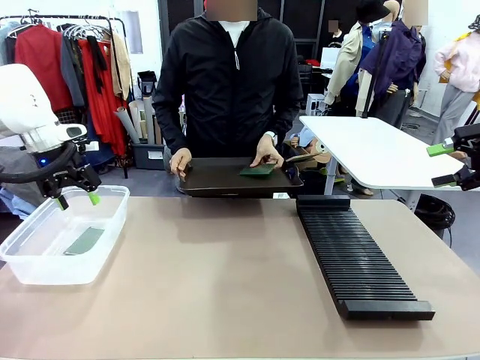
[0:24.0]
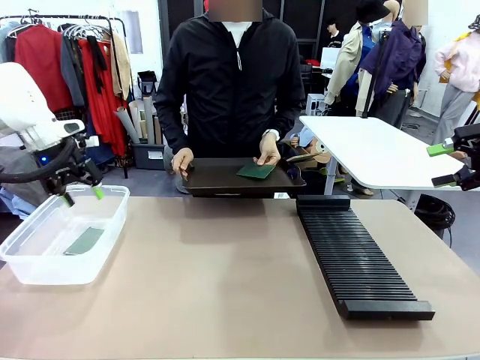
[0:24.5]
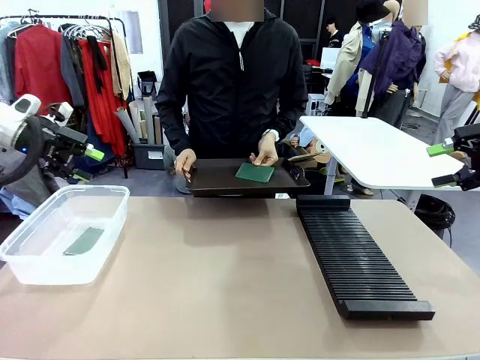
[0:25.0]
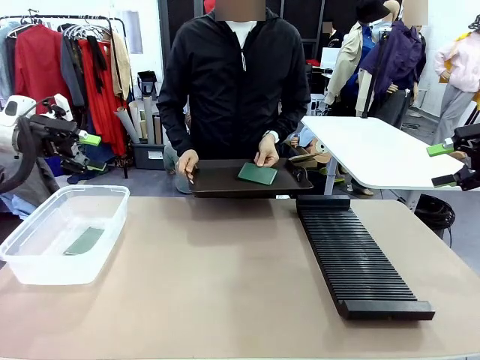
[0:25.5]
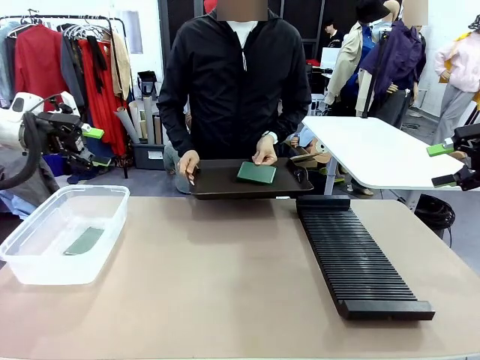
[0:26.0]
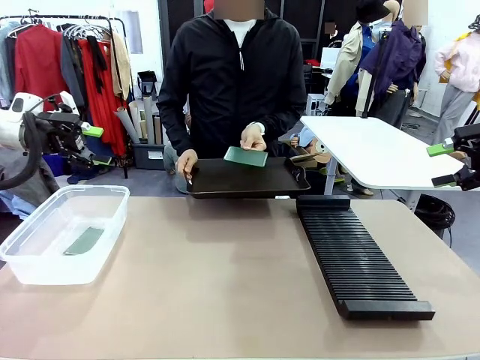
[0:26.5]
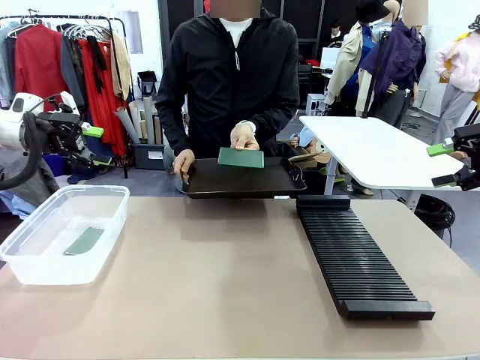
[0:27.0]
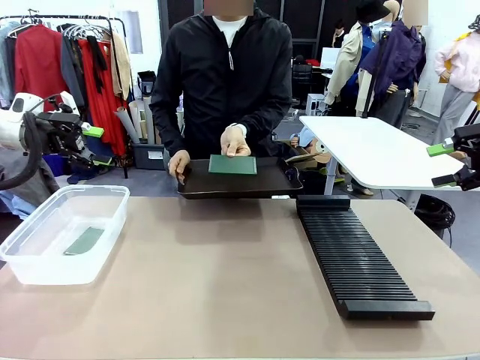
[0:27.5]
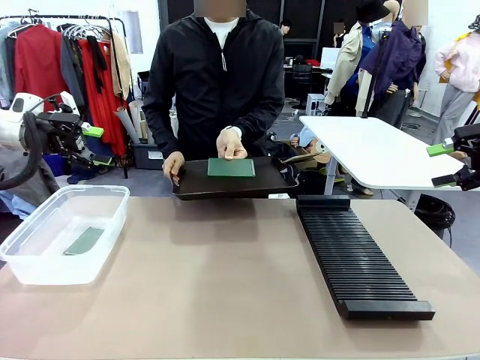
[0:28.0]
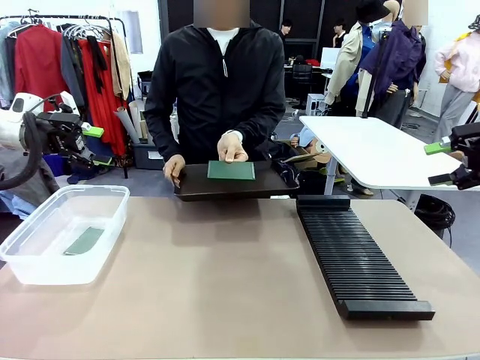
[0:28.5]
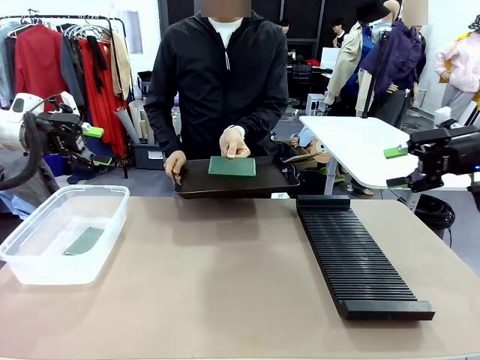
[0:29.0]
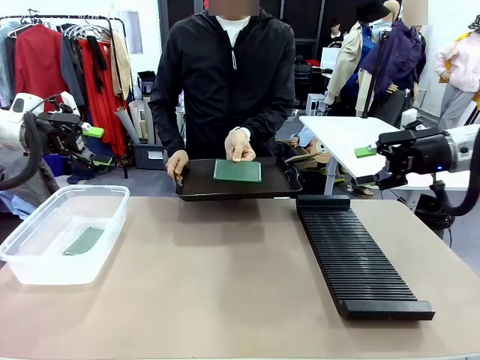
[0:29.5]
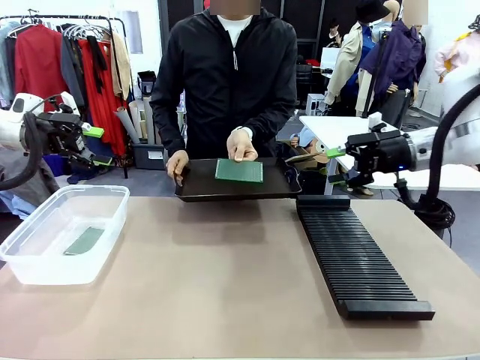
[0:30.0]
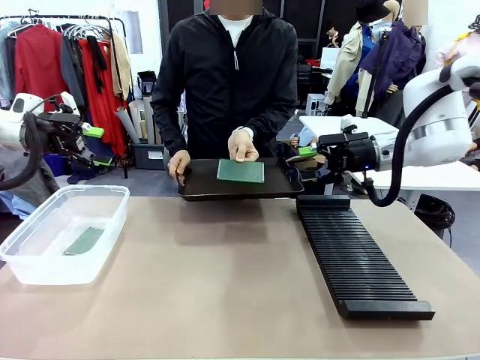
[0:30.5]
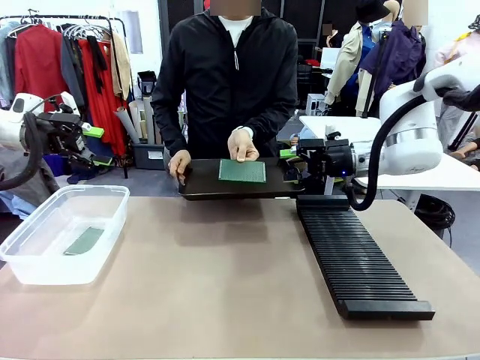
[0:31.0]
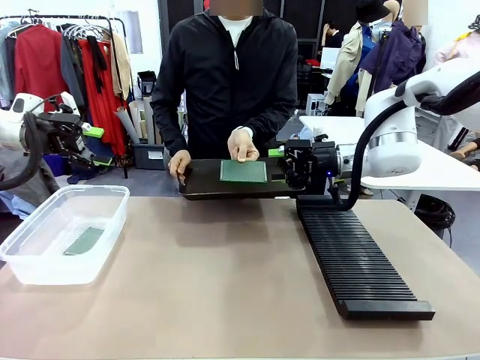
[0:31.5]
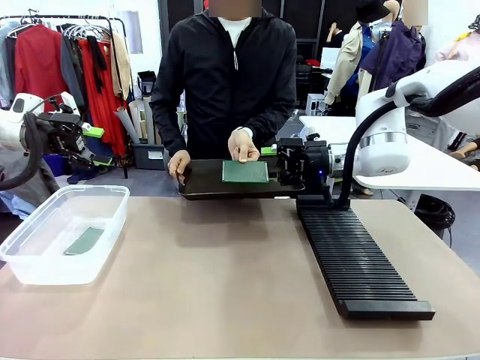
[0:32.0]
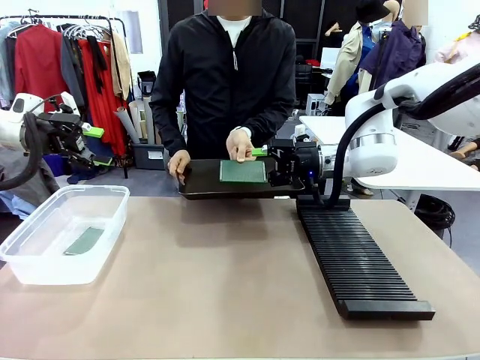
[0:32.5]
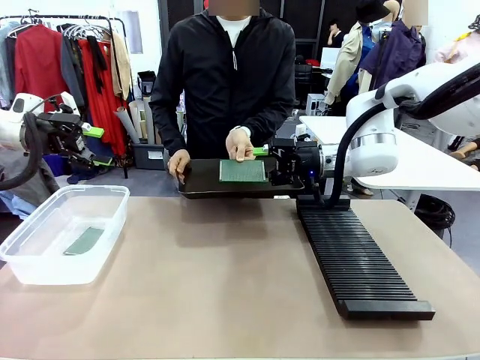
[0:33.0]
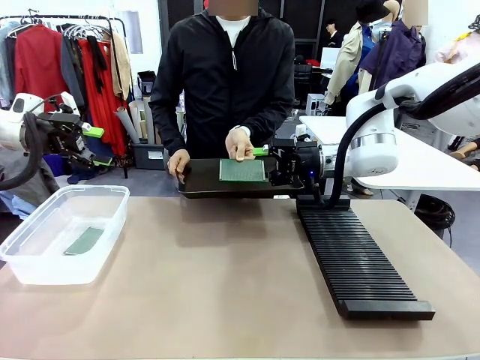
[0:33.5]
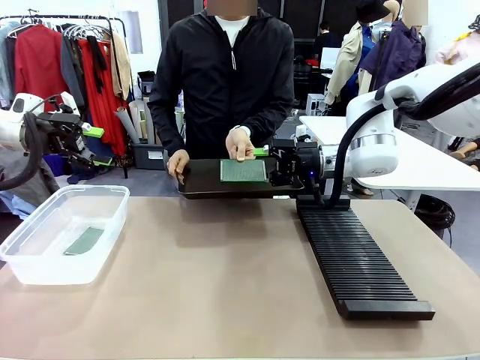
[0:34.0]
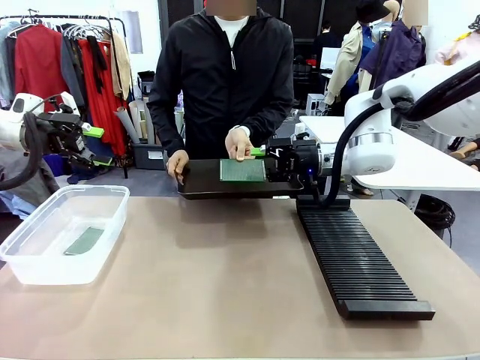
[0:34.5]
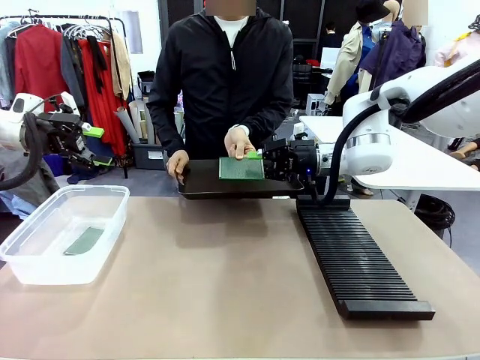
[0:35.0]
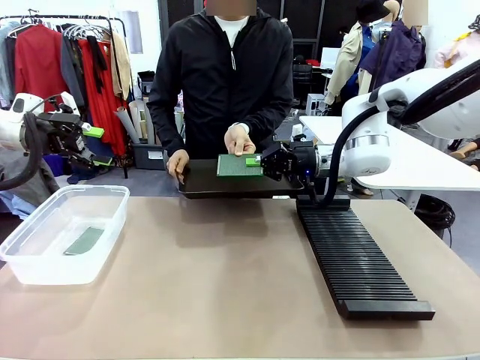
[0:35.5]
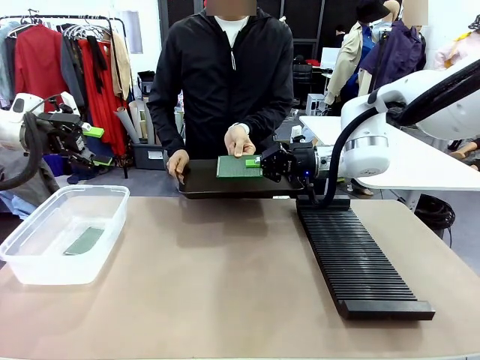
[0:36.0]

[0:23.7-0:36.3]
Task: Sort PCBs into racks and boxes based on the side picked up.
Robot: Pick up the Blank PCB handed by the Human.

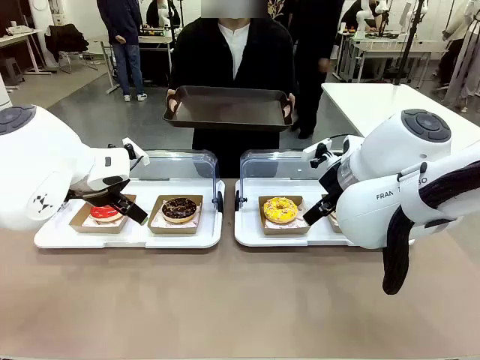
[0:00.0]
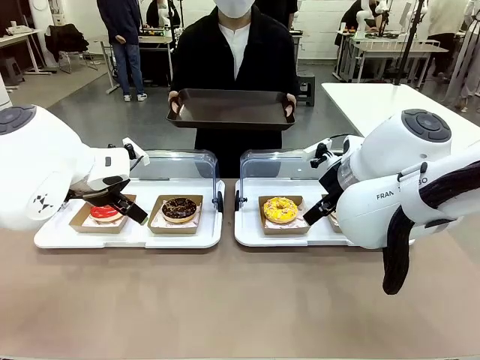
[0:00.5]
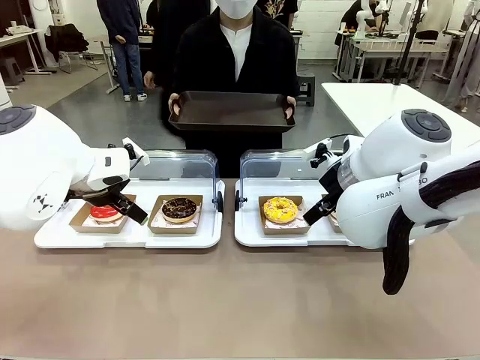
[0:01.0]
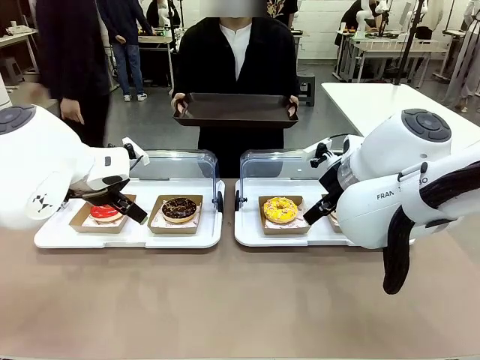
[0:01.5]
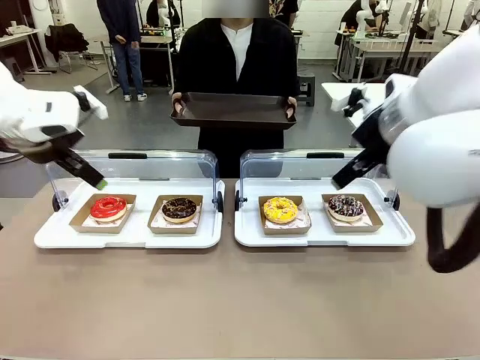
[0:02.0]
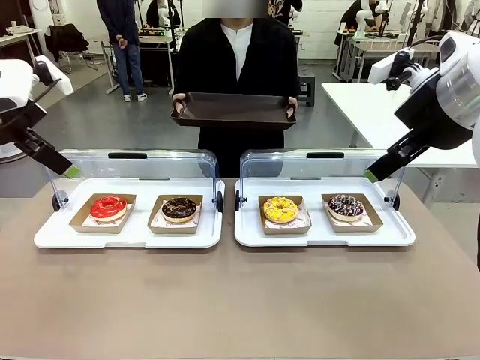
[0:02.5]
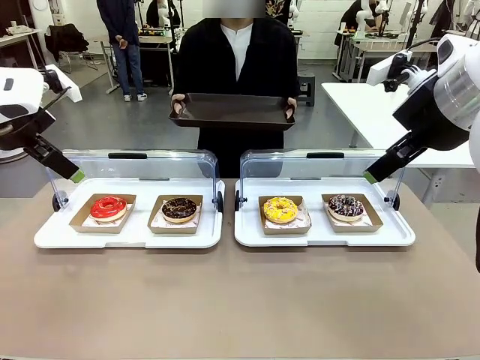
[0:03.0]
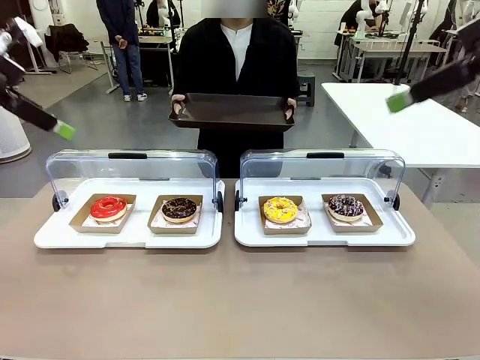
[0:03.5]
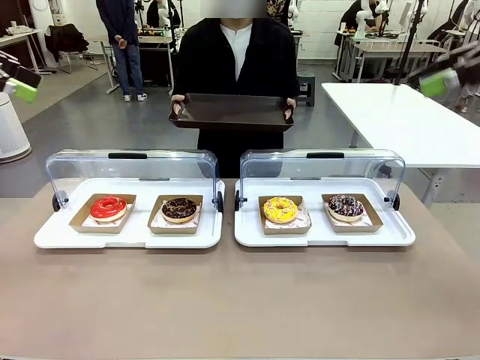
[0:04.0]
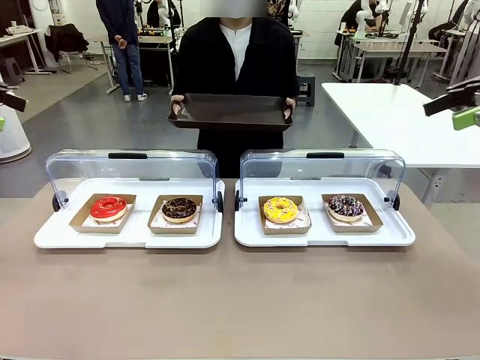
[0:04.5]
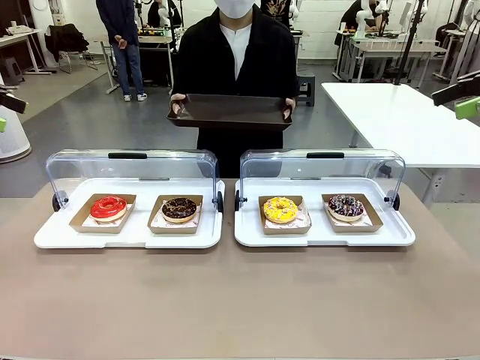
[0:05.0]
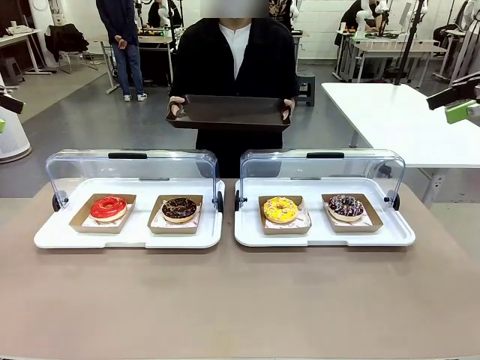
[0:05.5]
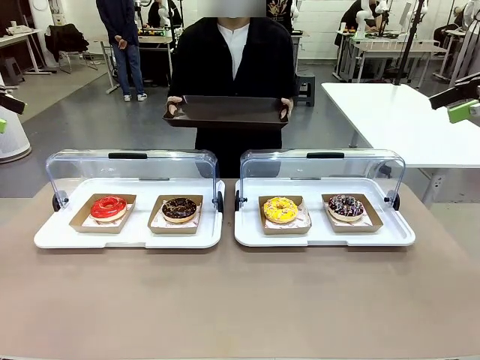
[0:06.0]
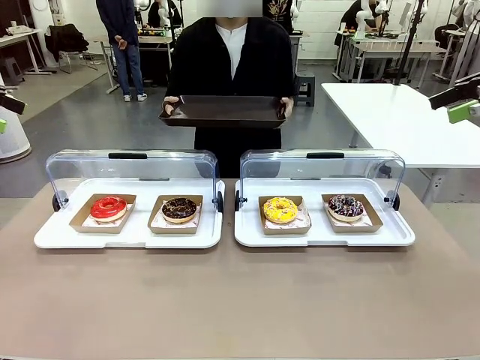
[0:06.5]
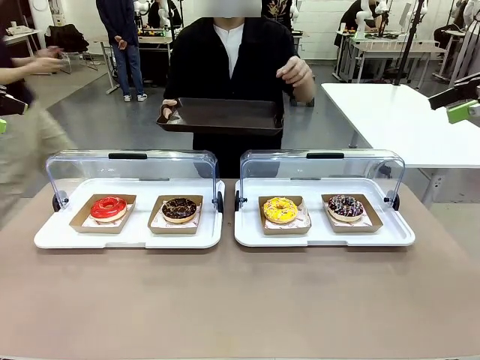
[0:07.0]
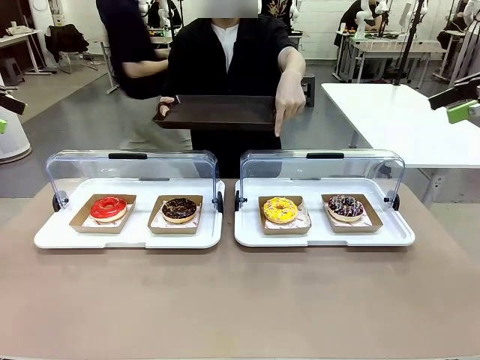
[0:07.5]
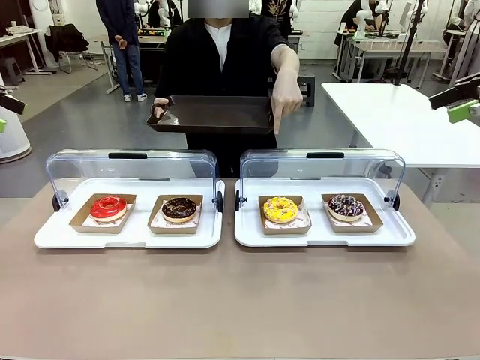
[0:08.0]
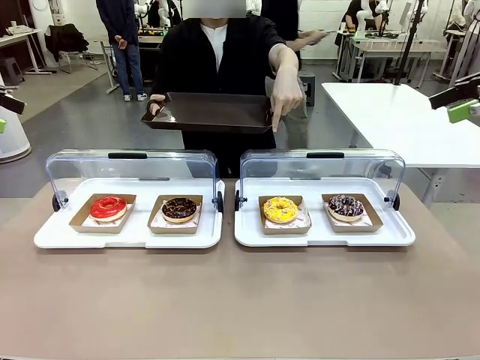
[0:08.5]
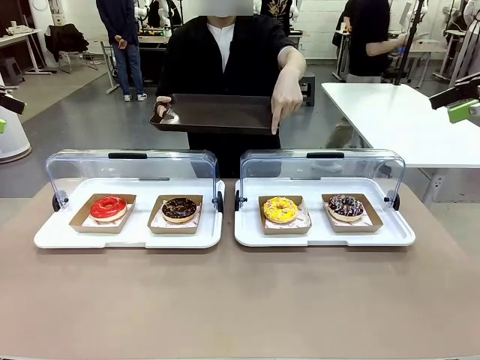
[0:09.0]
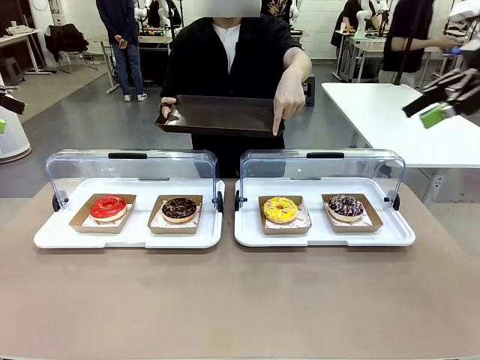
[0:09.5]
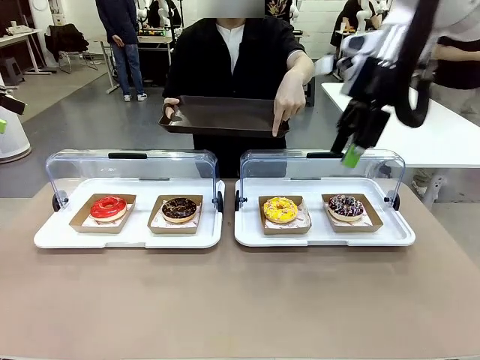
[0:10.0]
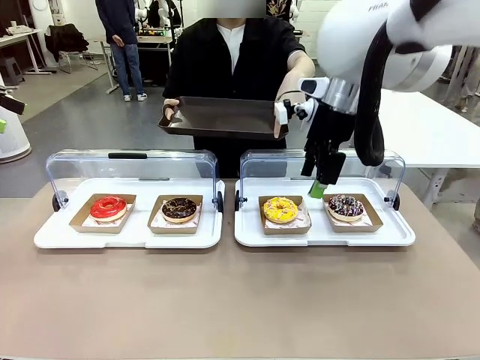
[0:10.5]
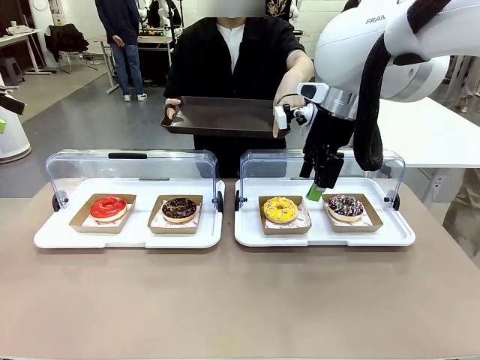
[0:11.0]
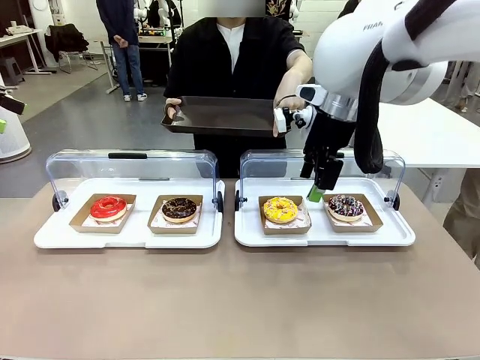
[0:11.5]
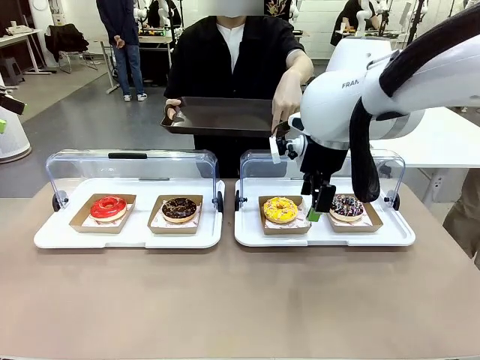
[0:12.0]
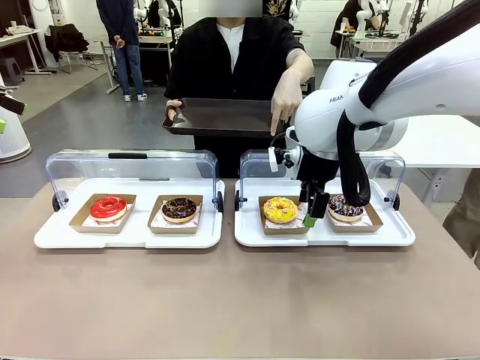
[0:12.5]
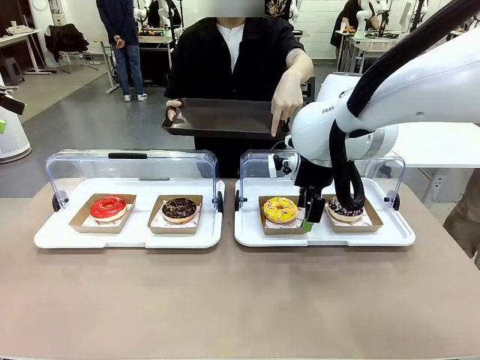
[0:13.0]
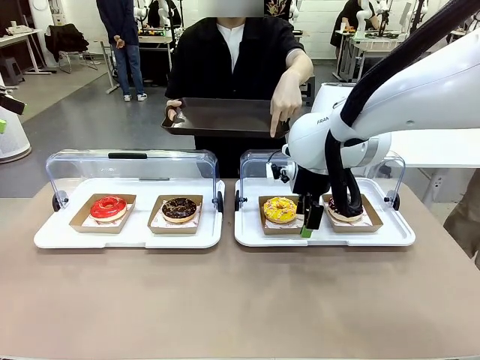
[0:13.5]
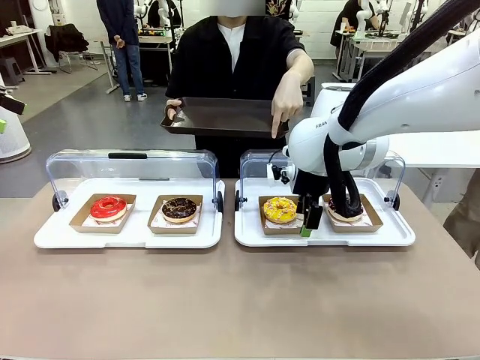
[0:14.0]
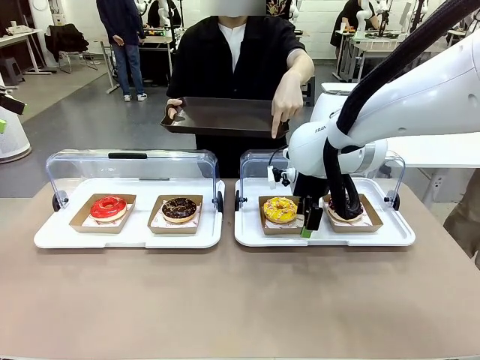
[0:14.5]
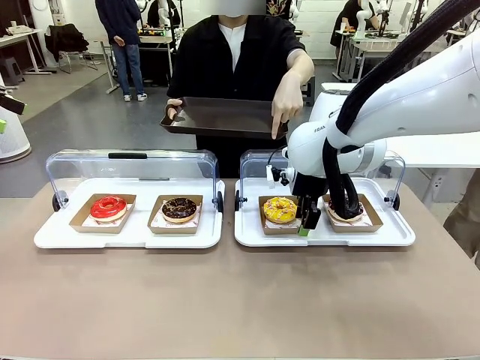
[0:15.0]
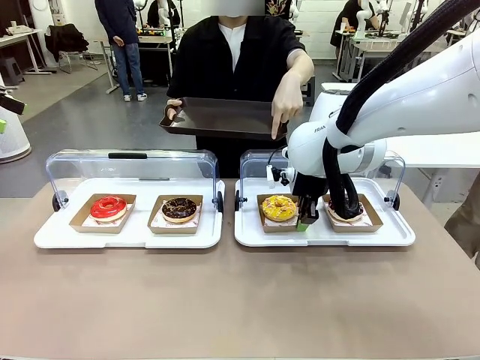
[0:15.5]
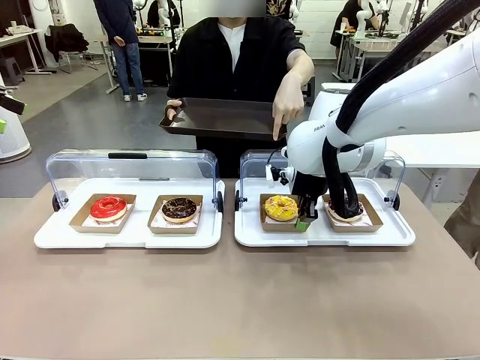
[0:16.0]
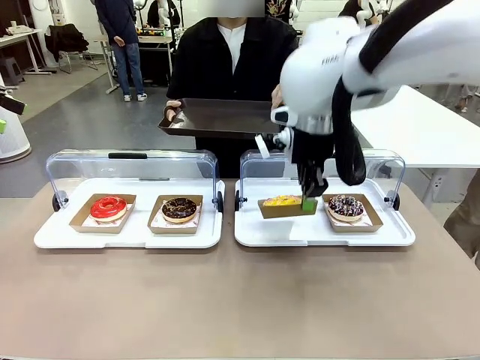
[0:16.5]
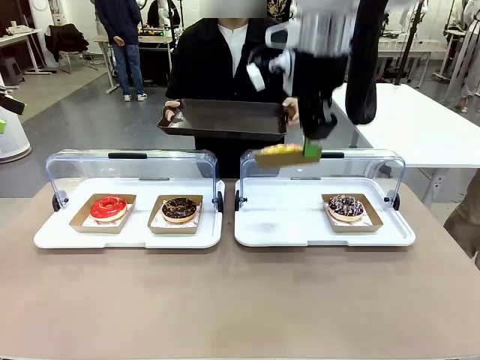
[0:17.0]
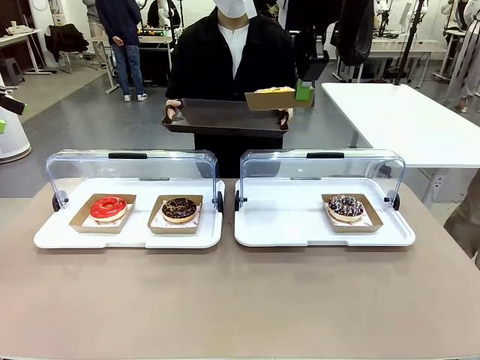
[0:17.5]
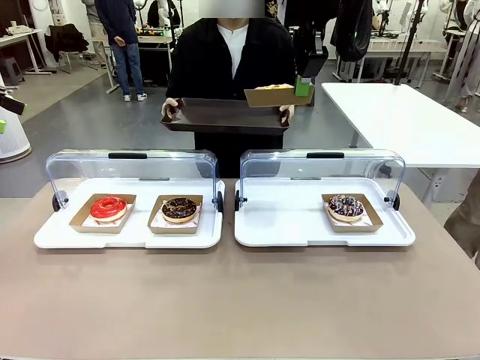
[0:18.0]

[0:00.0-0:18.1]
Task: Provide the desired donut to the person.
Robot: Pick up and lift the Paper togo box containing the Donut pointed at by the person.
Person: Point to one donut. Lift the tray onto the Roll-Top Bakery Case.
